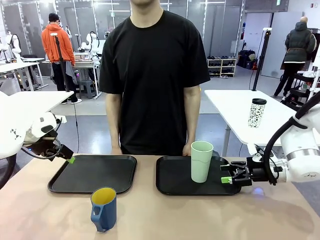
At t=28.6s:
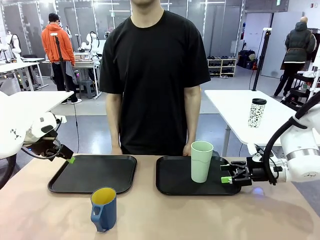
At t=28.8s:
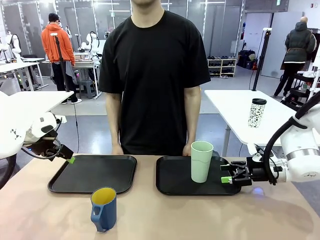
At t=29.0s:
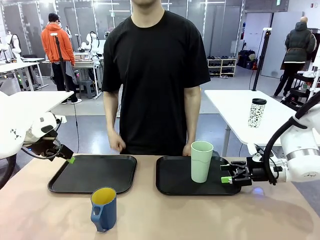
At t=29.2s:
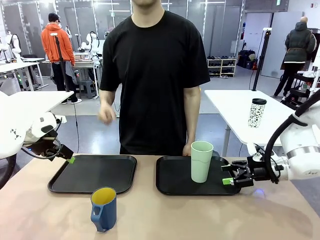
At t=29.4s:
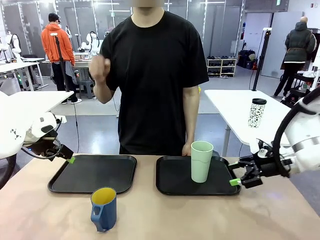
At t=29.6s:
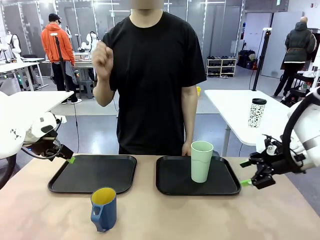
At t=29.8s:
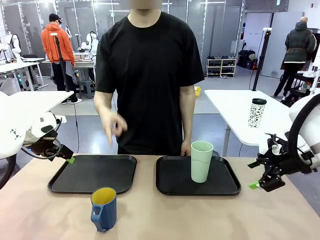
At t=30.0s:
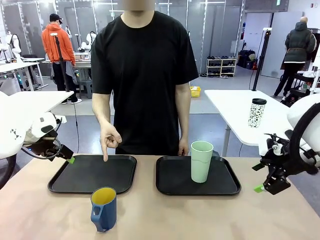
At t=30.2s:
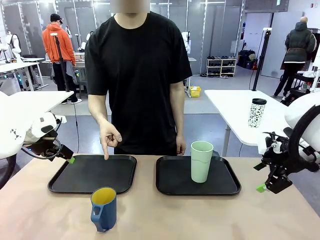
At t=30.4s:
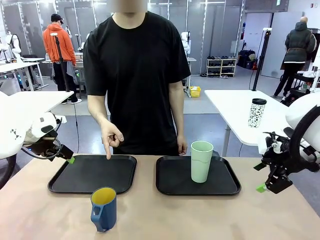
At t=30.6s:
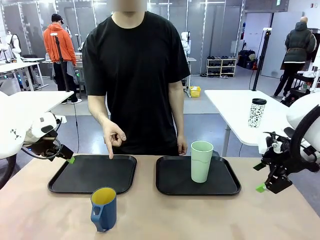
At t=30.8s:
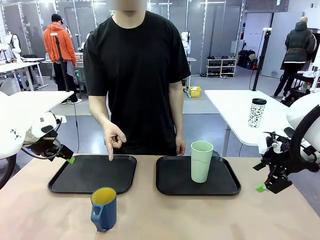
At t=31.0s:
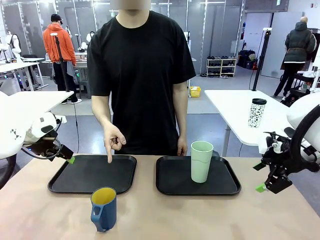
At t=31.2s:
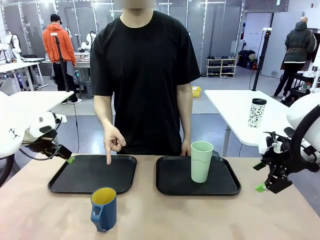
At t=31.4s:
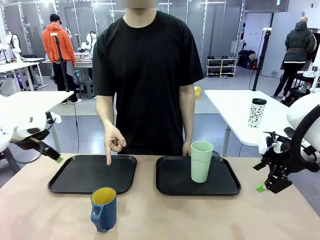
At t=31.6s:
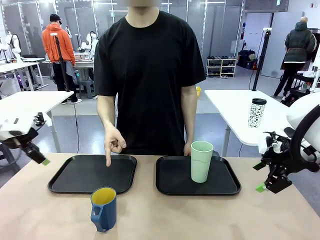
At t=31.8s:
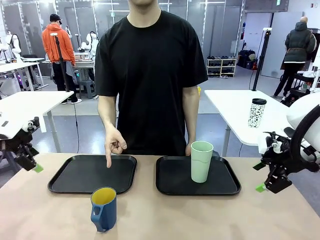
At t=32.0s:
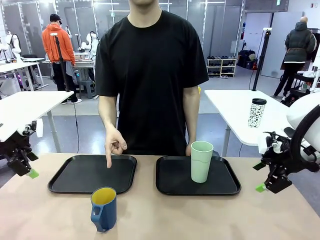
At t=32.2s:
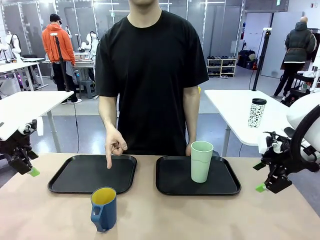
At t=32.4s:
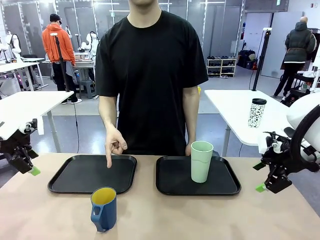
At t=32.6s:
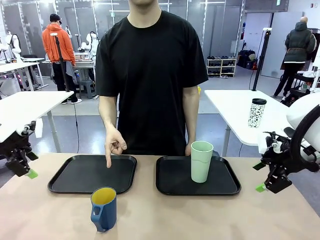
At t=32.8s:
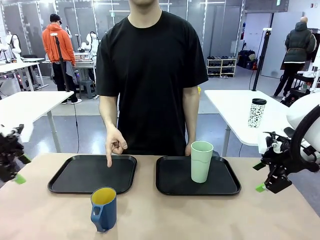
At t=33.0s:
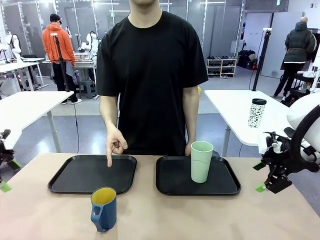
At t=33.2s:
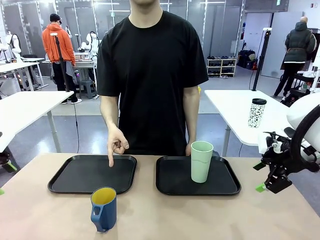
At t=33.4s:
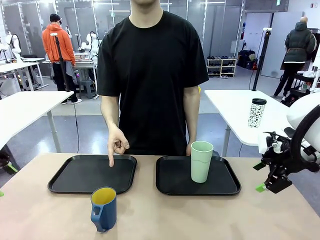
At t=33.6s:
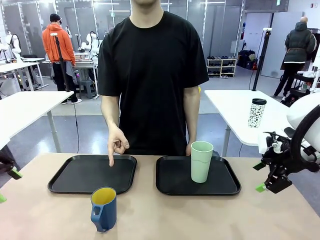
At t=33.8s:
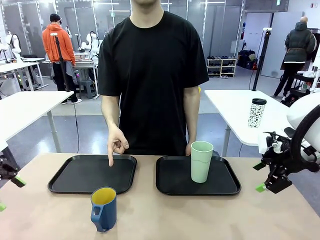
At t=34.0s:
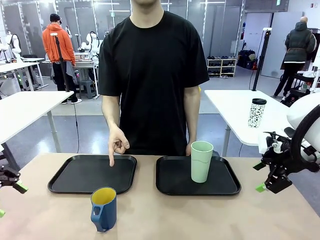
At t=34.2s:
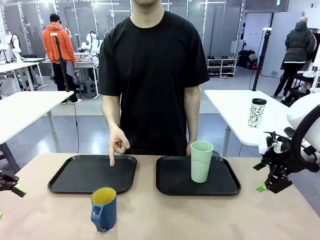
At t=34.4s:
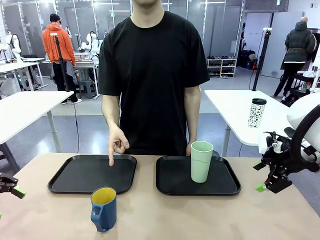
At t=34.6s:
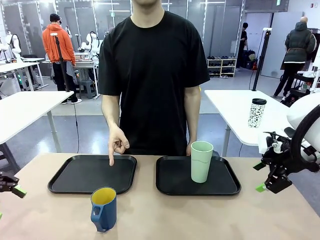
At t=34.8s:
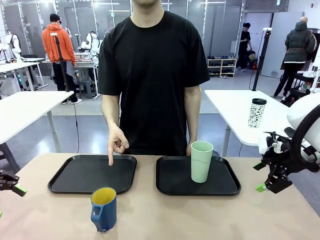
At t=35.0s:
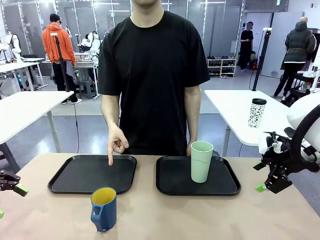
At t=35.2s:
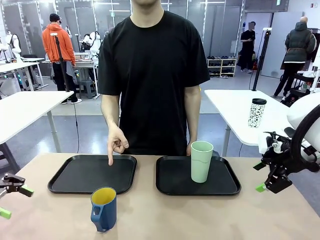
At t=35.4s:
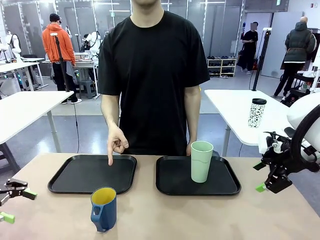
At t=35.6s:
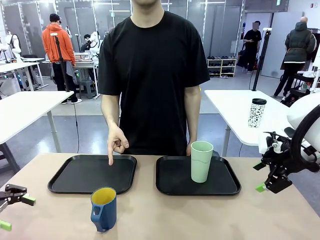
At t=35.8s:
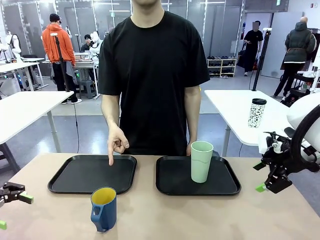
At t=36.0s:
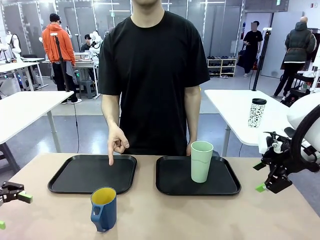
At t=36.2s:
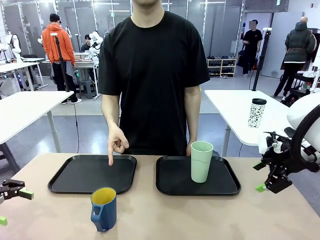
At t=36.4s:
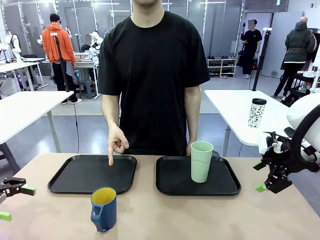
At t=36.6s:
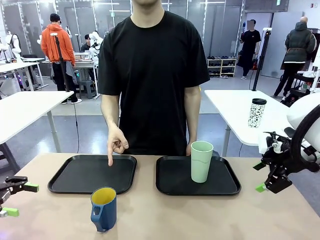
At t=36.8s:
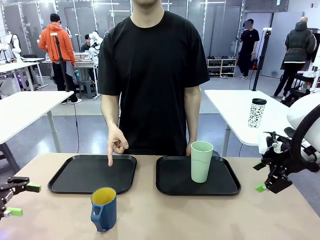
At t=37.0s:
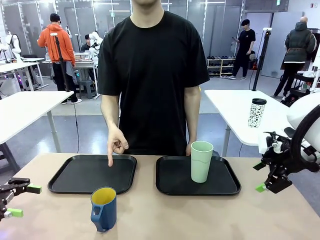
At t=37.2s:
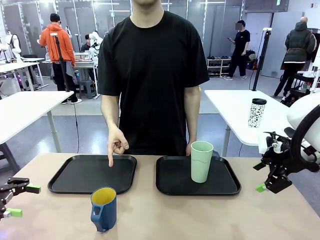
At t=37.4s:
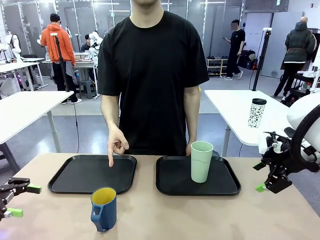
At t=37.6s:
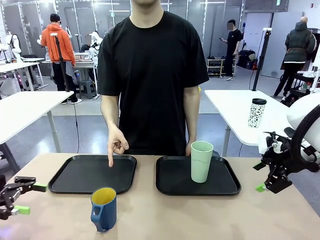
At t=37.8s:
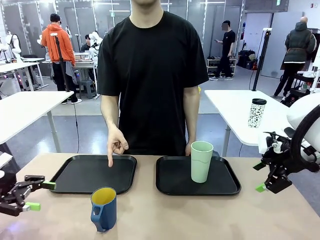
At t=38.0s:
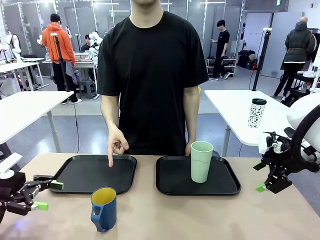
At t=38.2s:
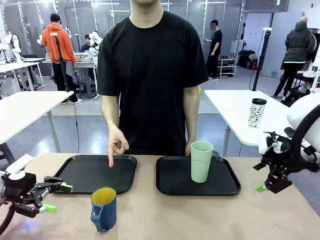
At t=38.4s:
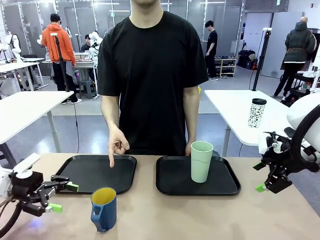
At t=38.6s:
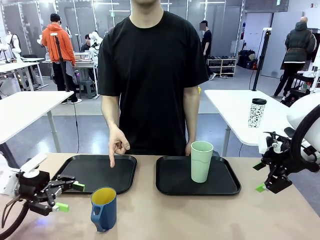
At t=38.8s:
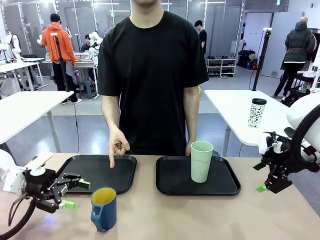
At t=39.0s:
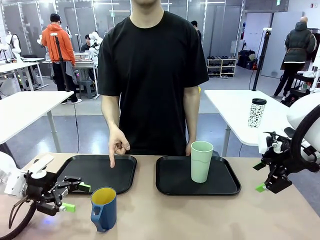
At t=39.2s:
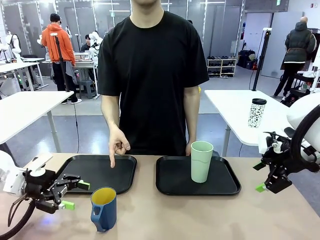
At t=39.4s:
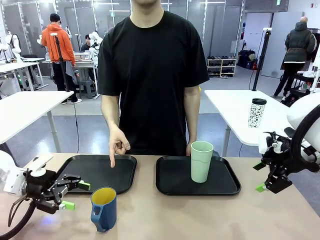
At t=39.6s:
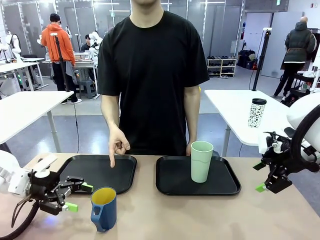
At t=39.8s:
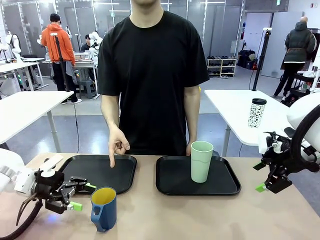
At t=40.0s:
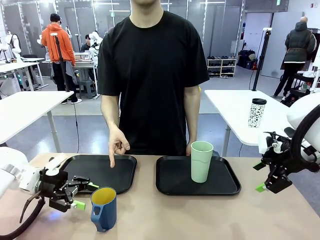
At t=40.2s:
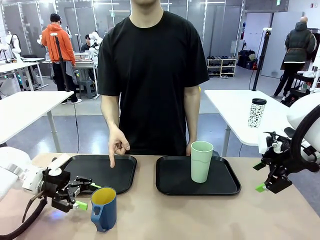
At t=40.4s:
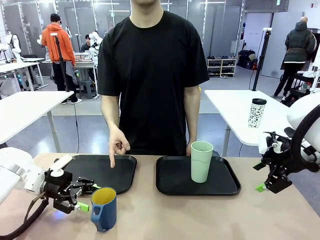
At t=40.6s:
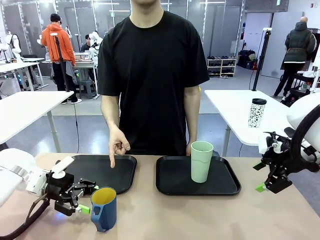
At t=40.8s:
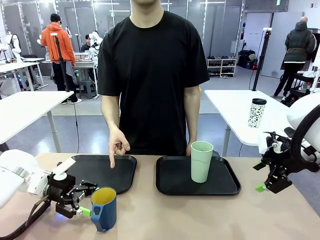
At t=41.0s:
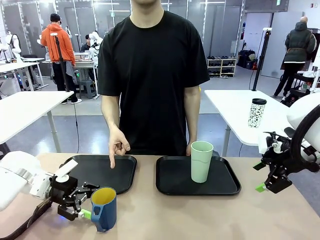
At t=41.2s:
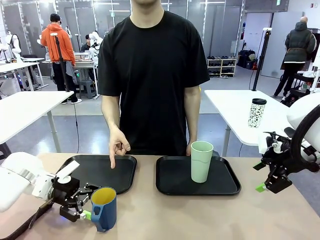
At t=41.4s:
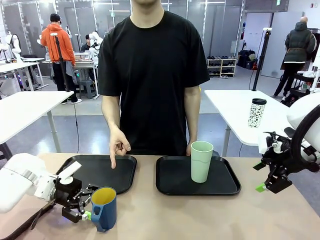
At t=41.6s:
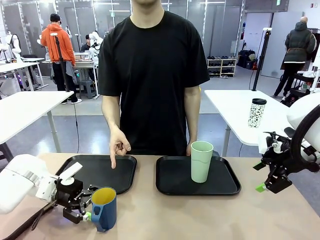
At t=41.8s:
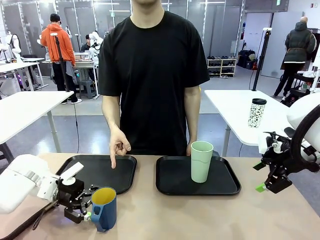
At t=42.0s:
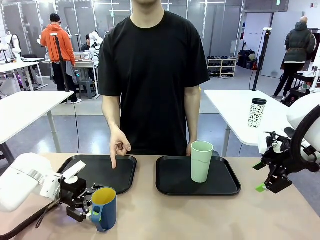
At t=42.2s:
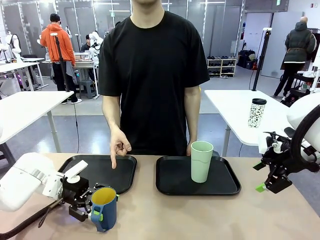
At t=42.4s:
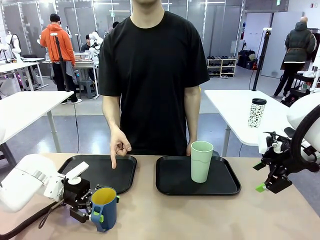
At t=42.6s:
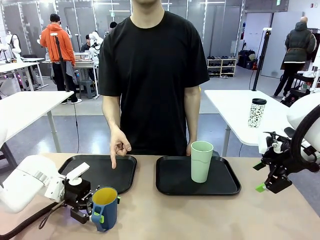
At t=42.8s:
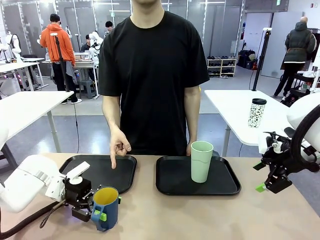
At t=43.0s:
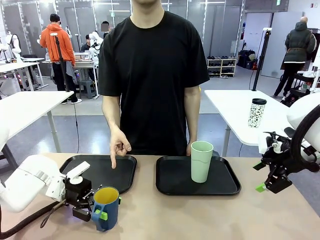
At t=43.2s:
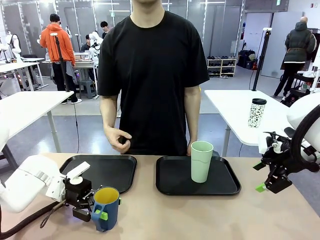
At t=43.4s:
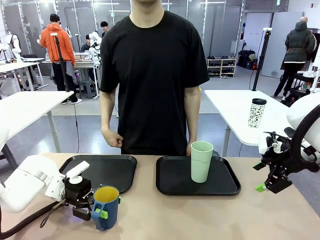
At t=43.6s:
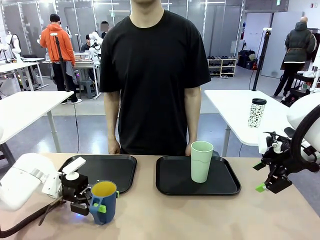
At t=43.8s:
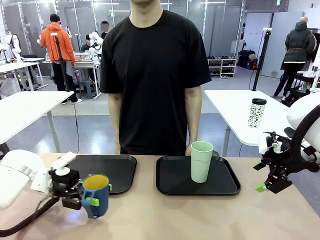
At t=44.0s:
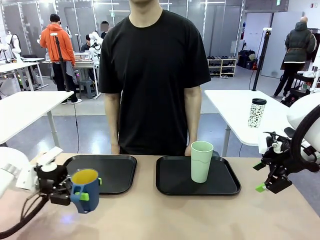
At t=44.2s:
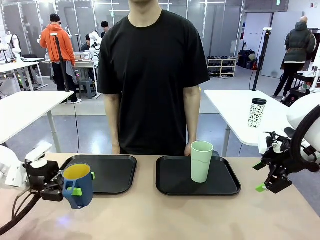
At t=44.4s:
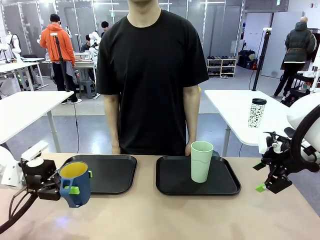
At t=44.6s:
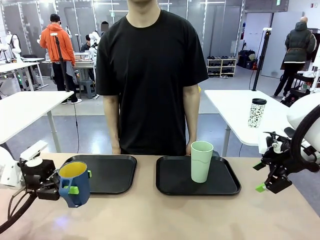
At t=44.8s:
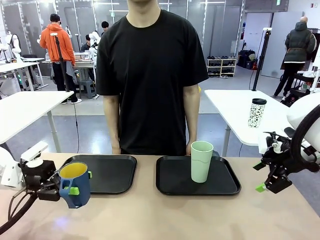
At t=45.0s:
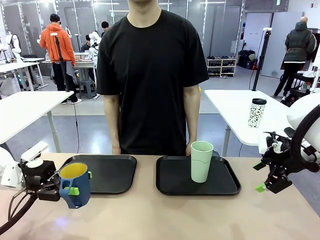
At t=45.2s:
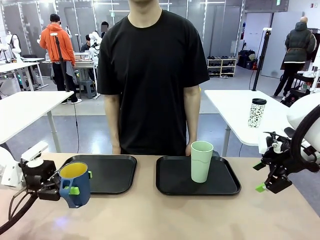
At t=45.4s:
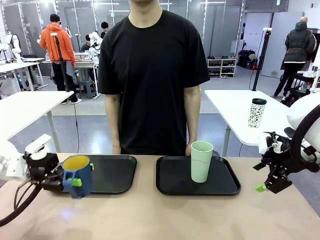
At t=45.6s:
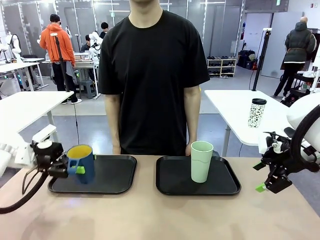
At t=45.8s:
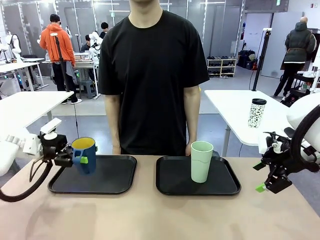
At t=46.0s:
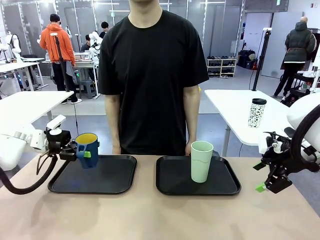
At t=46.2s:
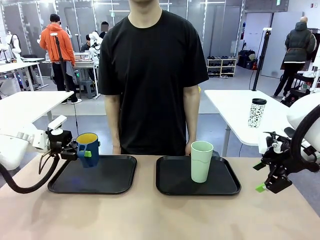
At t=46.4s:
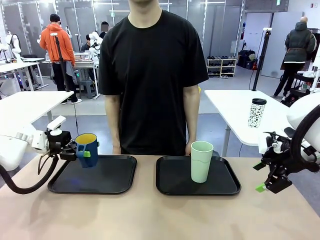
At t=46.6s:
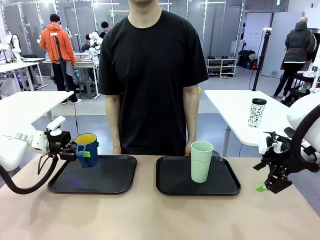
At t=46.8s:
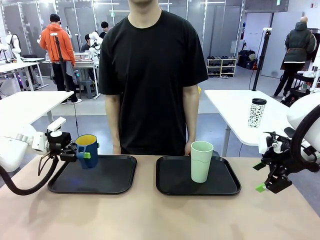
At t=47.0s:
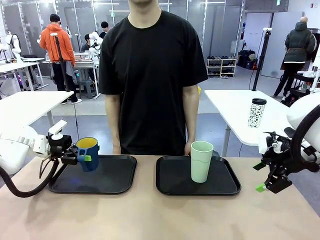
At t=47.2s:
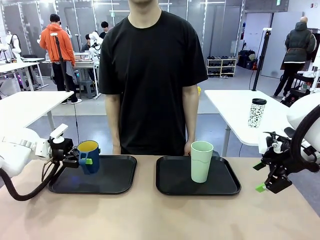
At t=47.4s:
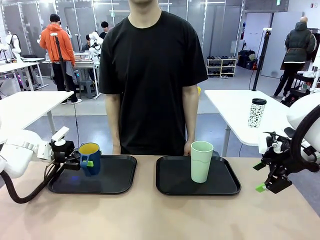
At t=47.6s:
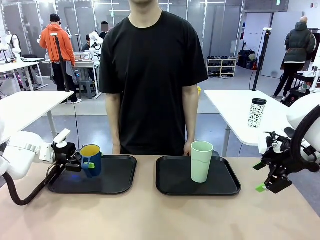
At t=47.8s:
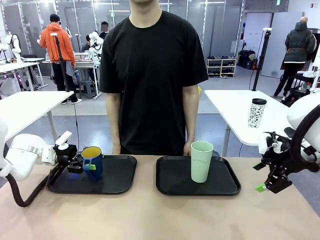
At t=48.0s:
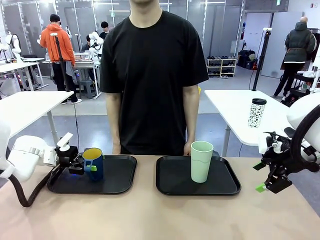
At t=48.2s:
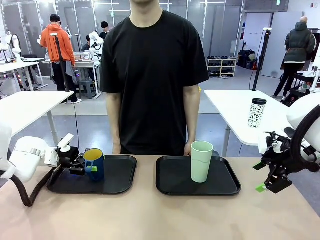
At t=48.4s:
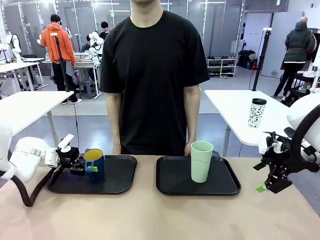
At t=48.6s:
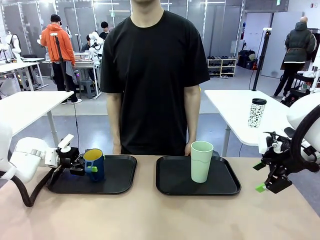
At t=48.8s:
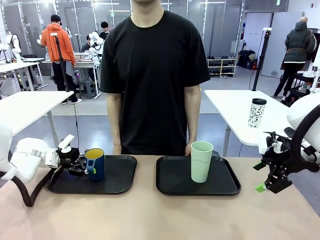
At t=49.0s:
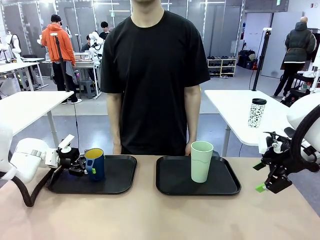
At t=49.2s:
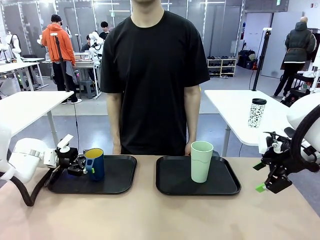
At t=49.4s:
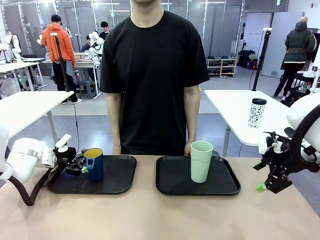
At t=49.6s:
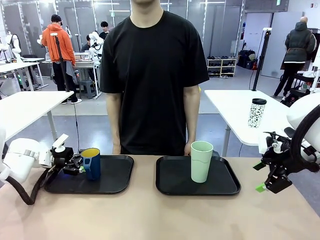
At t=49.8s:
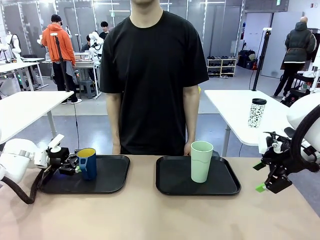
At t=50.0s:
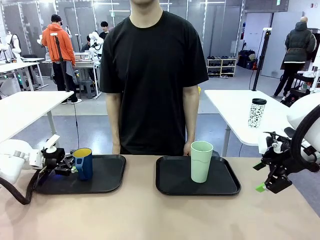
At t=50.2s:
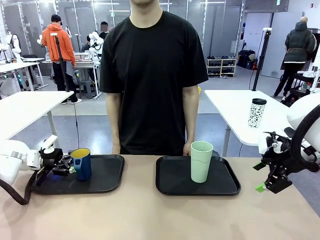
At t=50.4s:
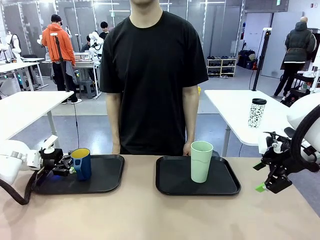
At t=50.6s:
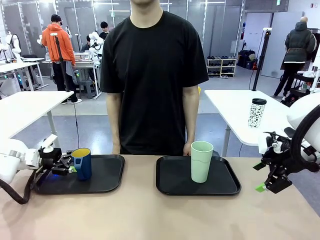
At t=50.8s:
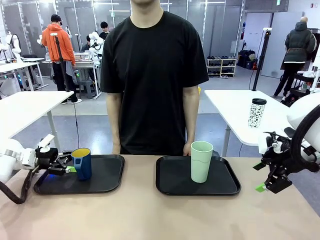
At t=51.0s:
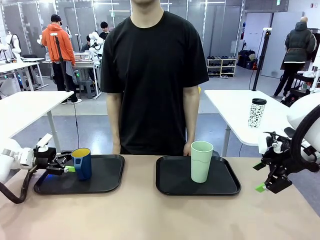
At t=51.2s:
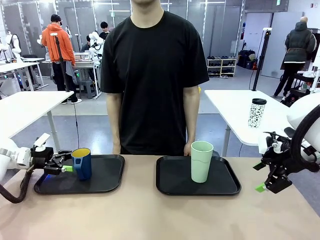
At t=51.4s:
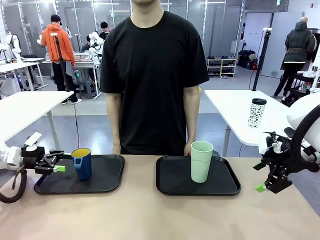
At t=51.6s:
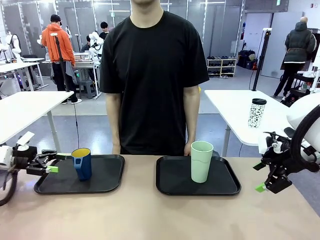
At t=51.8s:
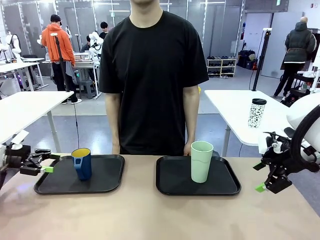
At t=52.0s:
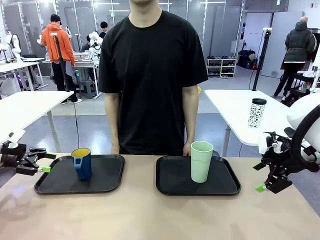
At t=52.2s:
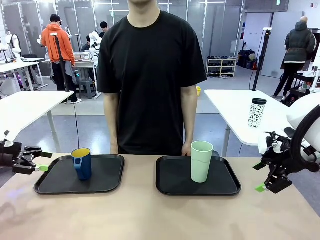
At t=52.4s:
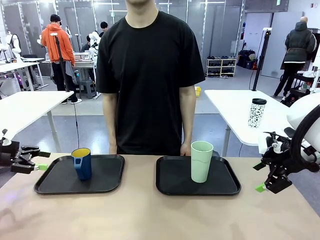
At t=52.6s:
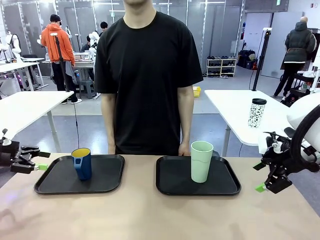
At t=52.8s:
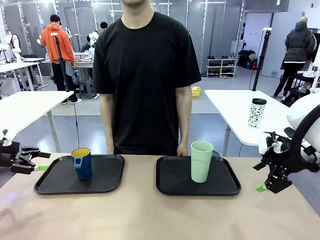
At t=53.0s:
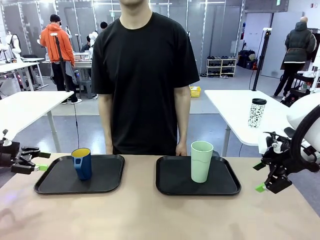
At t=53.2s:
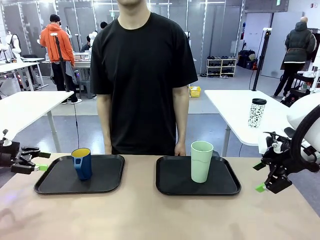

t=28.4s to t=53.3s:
Task: Sort and store the cups by type.
Robot: Pick up the Handle plastic cup and place it into the empty Flat Tray.
Person: Points to the cup with a handle.
